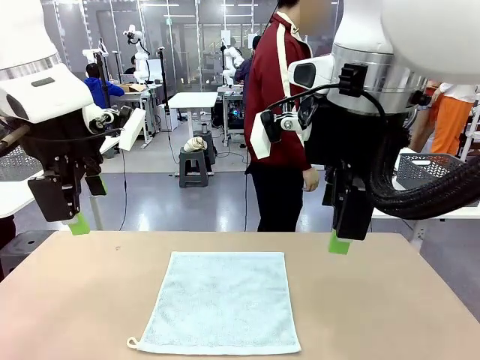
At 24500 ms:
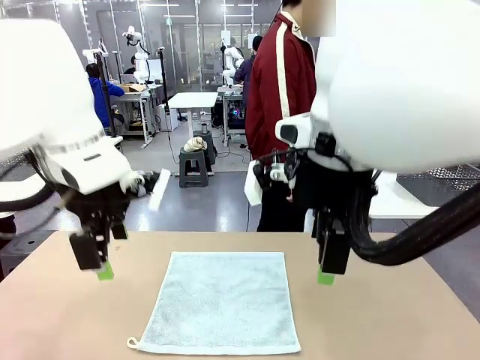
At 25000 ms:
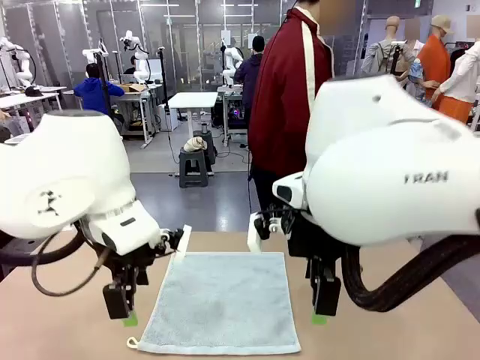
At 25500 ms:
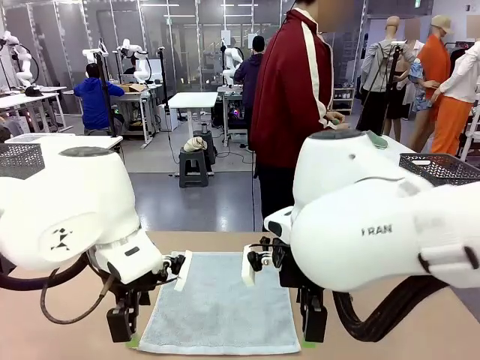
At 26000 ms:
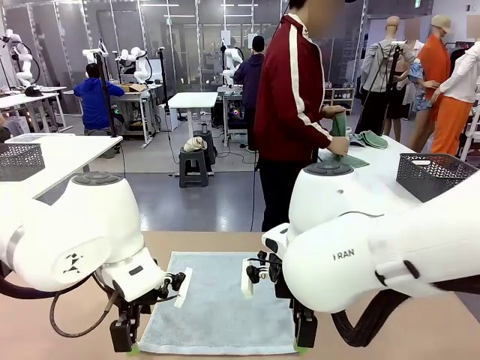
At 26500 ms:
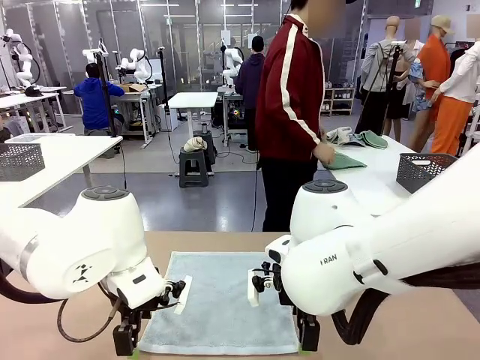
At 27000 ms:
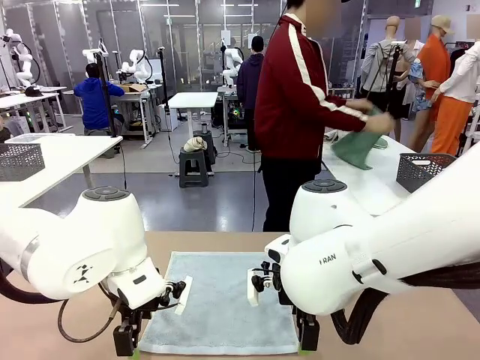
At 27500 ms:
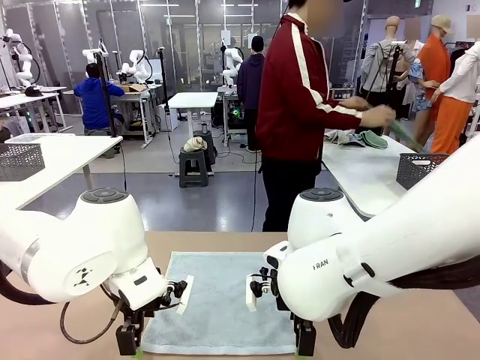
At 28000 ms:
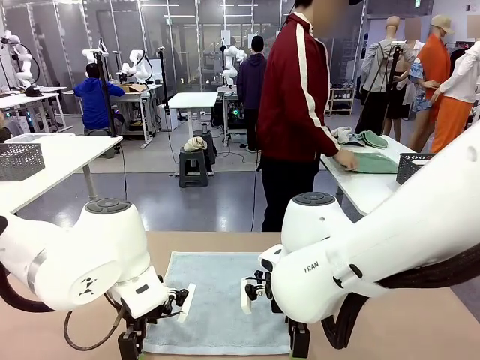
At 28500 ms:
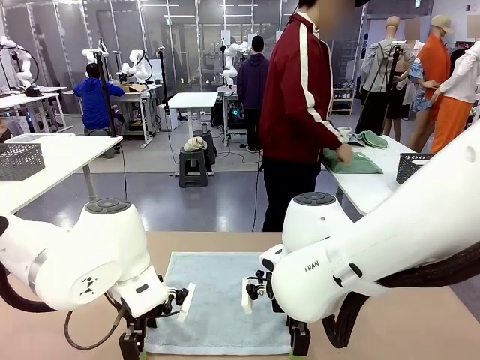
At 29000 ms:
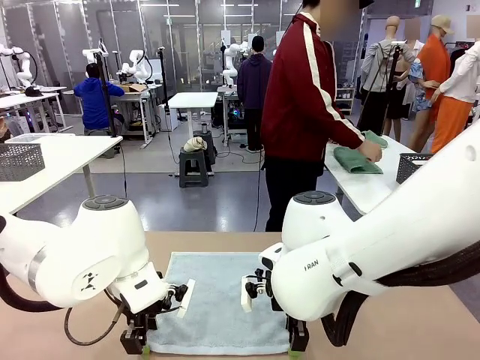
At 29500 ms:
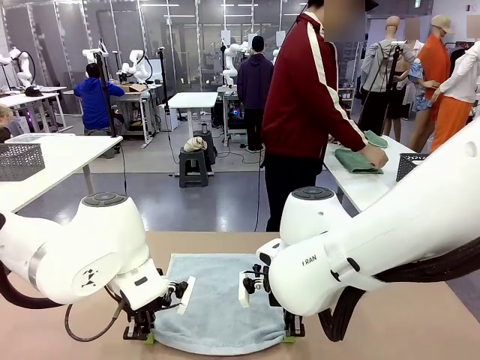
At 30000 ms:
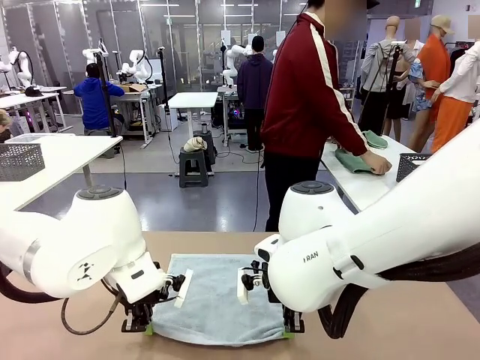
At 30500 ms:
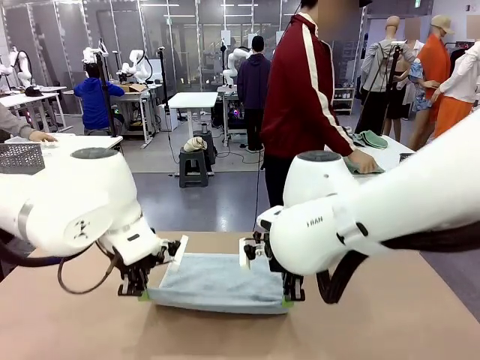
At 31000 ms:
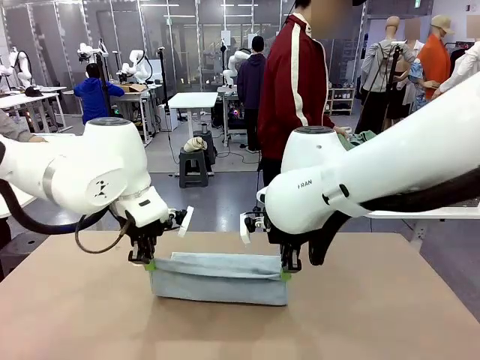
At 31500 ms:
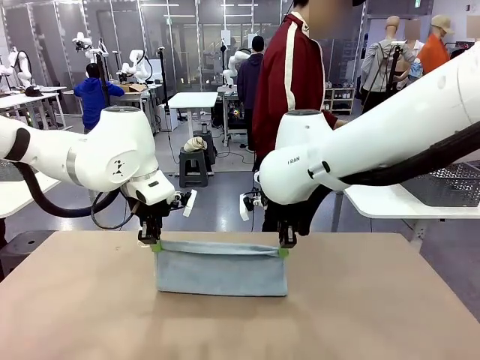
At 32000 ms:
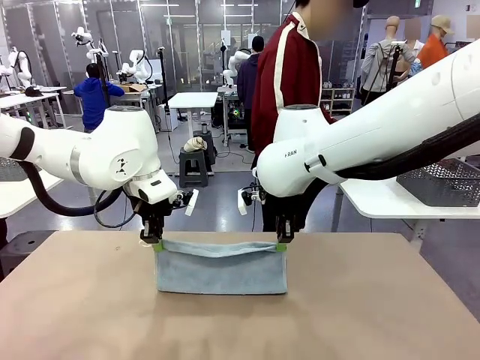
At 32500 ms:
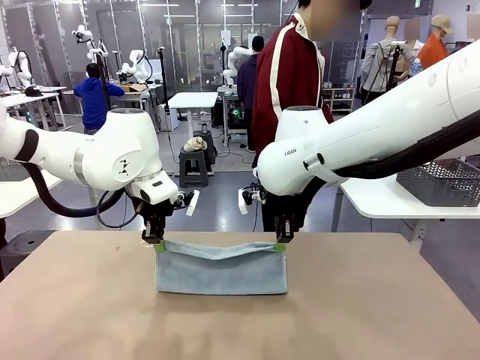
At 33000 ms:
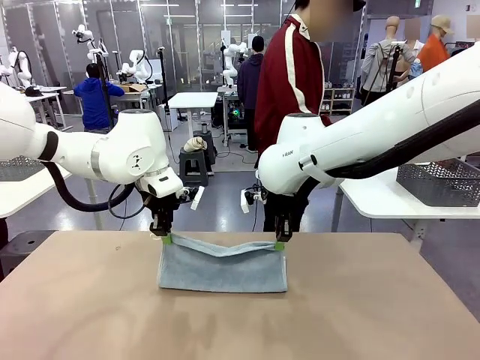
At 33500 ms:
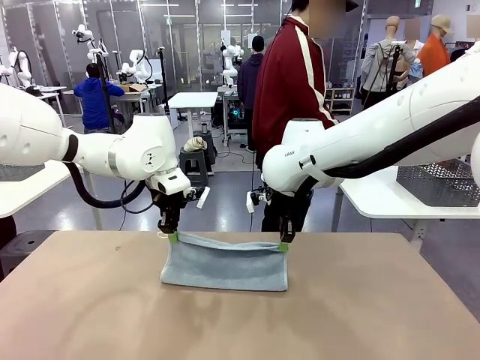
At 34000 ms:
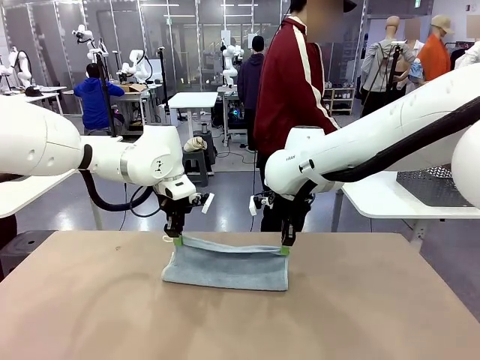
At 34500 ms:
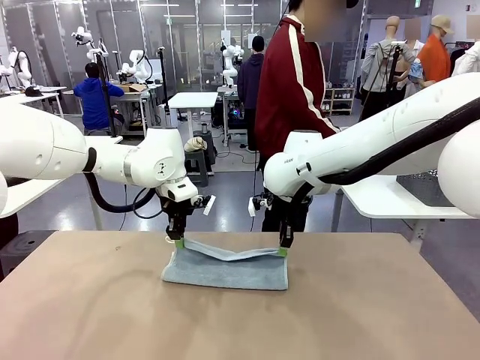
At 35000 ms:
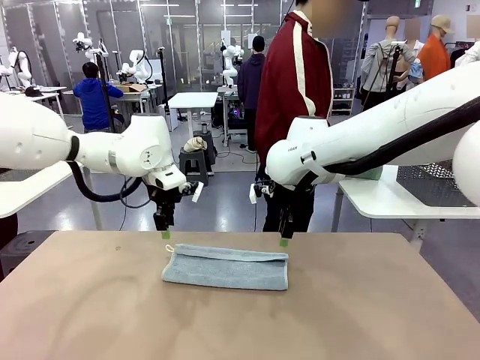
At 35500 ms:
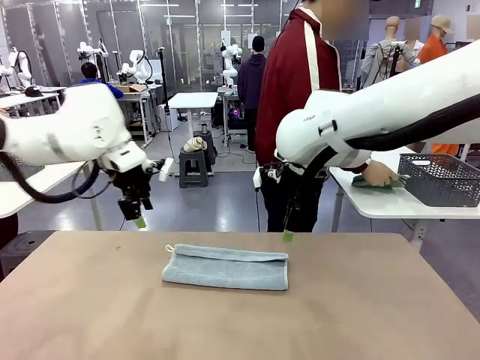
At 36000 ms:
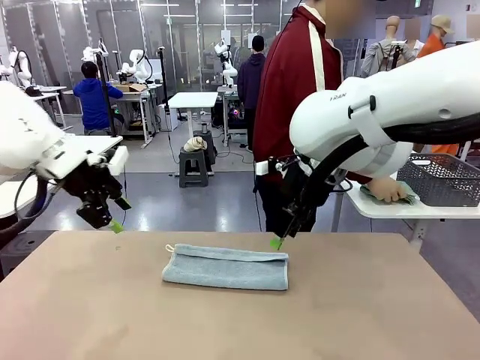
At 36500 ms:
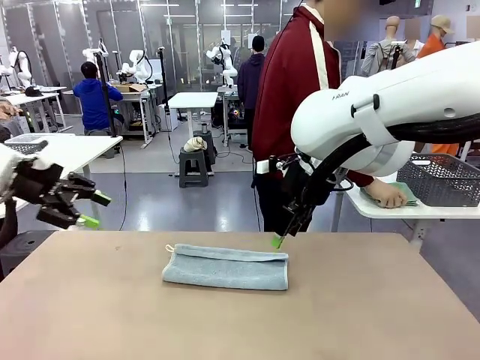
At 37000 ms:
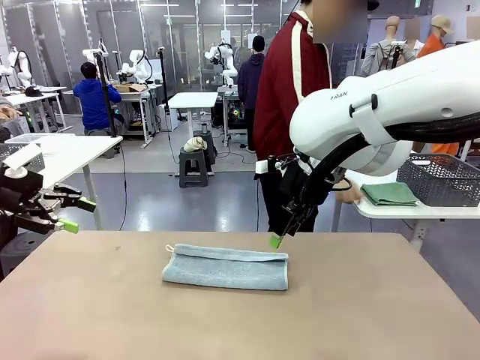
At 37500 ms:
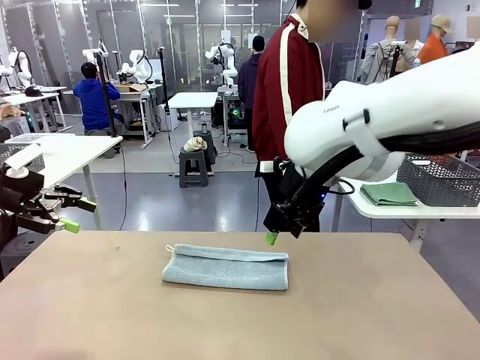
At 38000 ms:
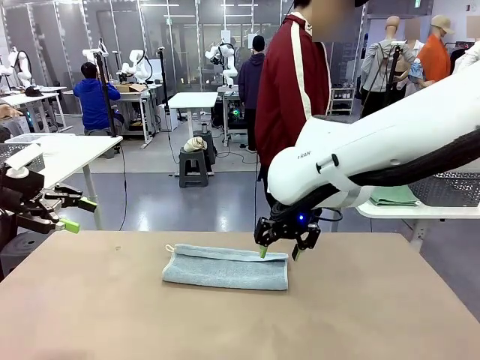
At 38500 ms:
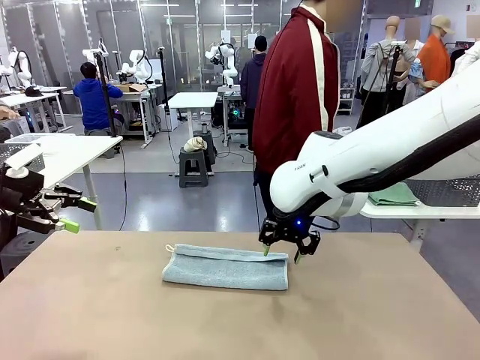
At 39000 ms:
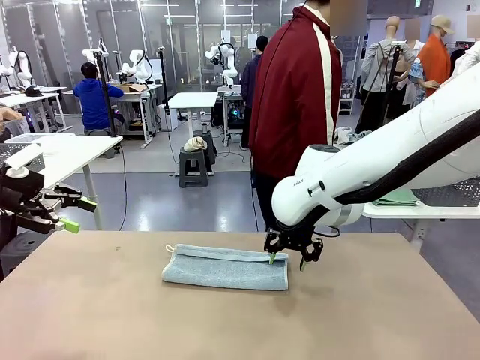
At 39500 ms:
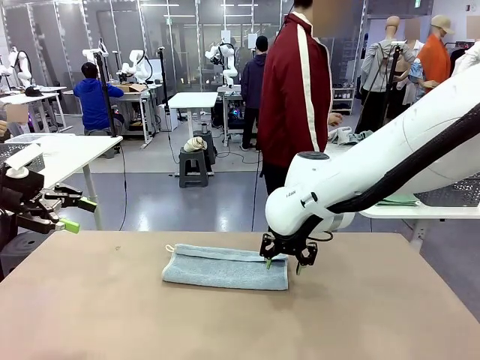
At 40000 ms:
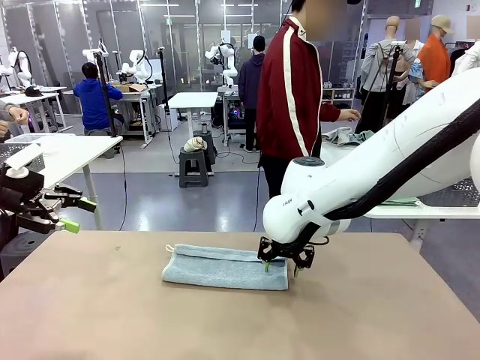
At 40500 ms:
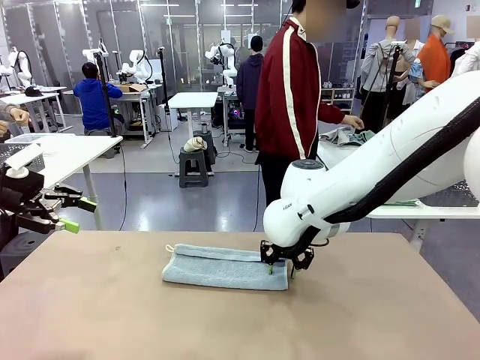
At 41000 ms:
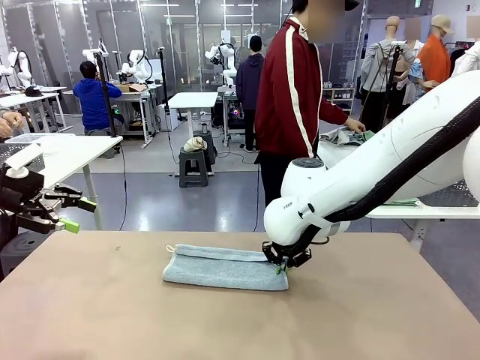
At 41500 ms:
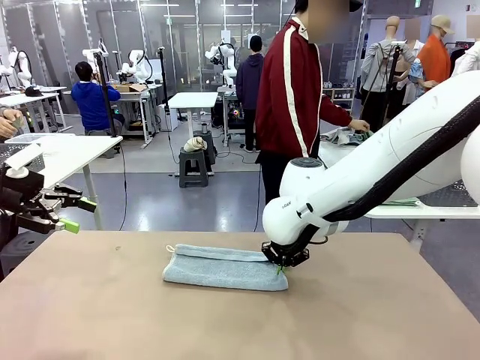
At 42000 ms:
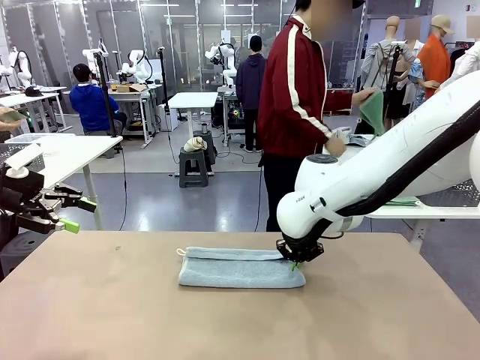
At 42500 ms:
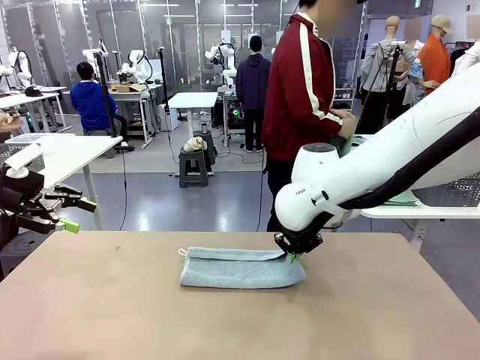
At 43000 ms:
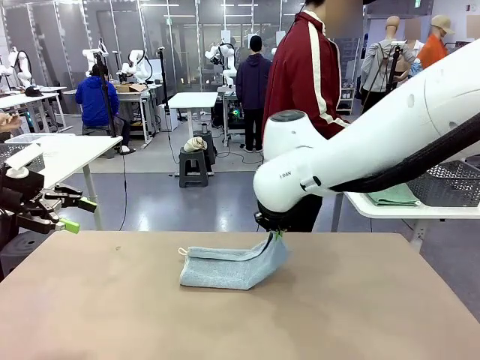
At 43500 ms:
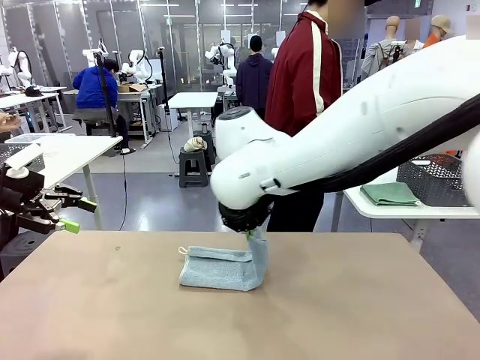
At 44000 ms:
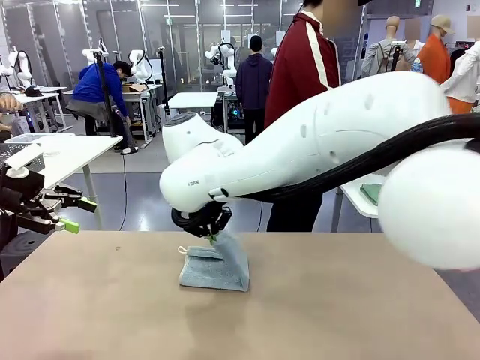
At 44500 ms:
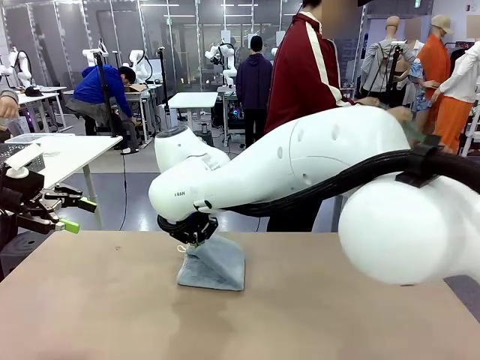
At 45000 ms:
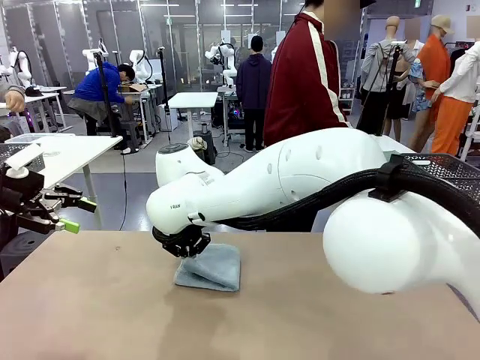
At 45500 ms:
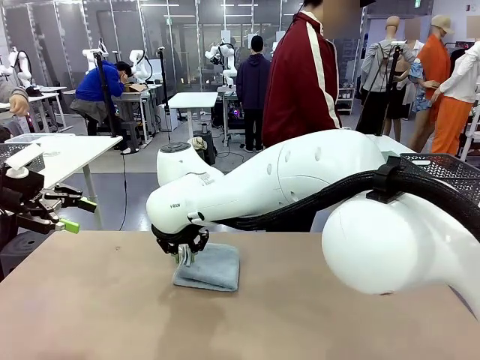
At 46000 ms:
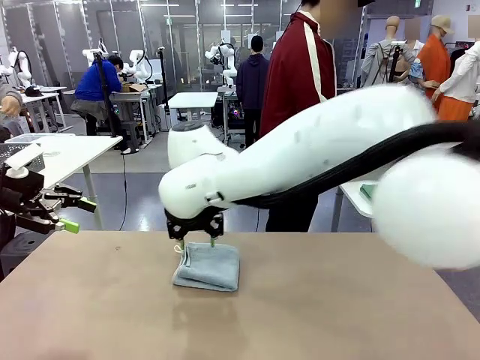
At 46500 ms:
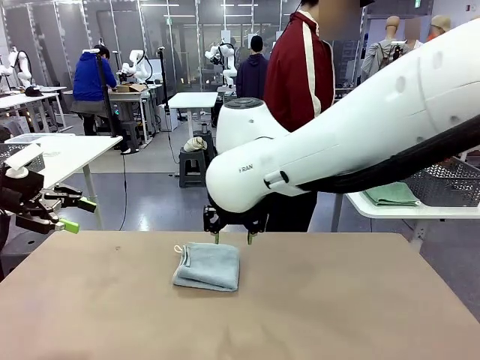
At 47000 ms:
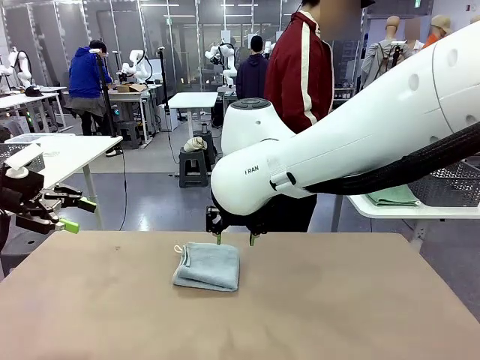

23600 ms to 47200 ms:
Task: Fold the towels and place them in the basket.
Robot: When a person lays out a Towel with hook on the table, fold it in half twice.
Person: Pick up one towel from the left side of the human table, fold it in half twice, and place it on the right side of the table. Pick up one towel from the left side of the human table, fold it in half twice, and stack it on the right side of the table.

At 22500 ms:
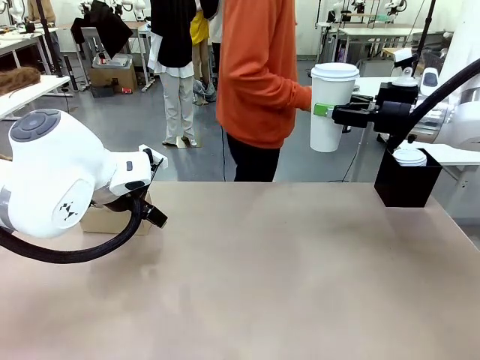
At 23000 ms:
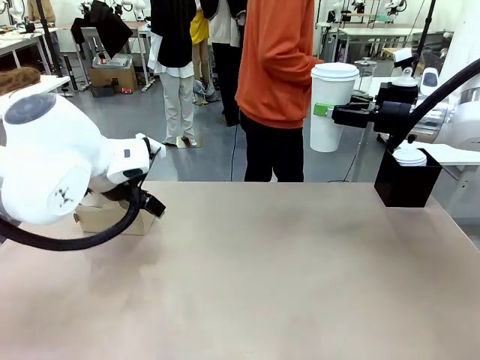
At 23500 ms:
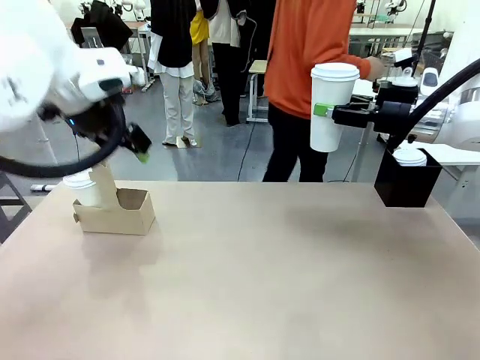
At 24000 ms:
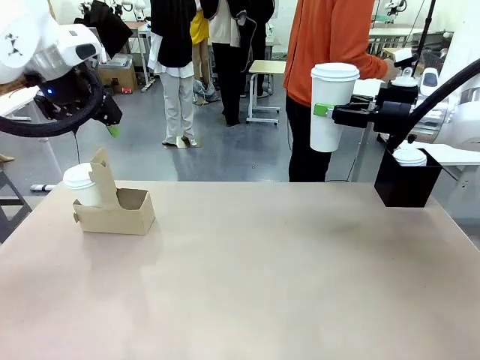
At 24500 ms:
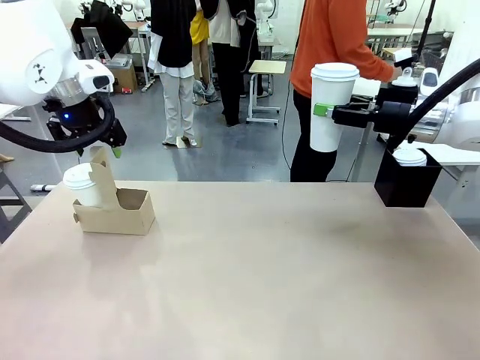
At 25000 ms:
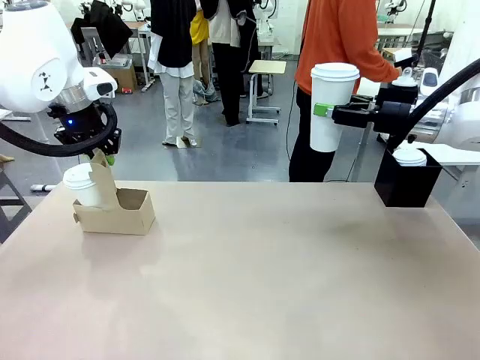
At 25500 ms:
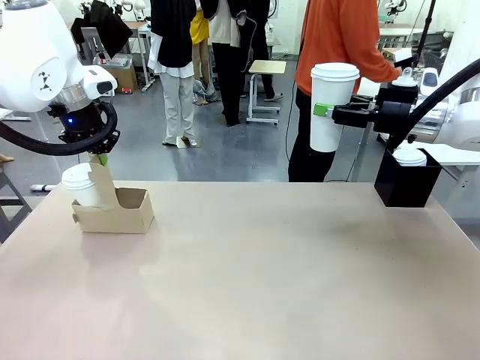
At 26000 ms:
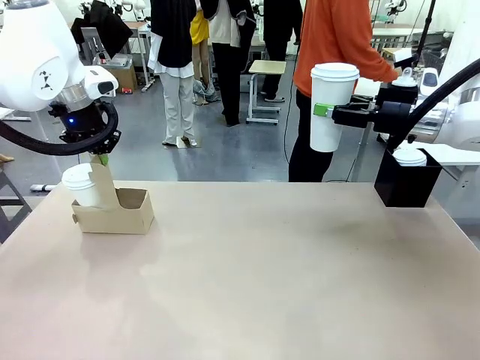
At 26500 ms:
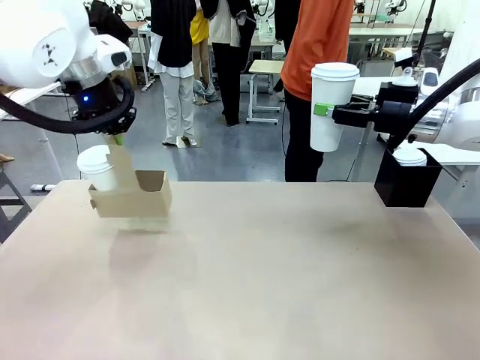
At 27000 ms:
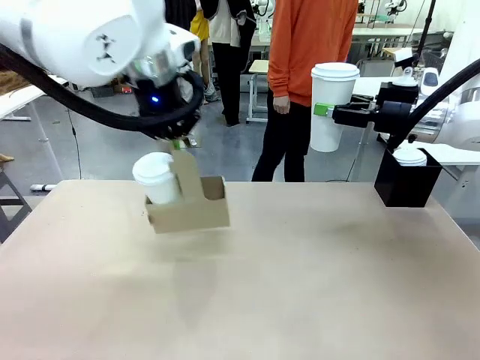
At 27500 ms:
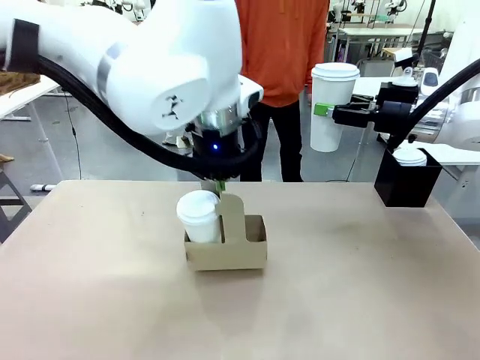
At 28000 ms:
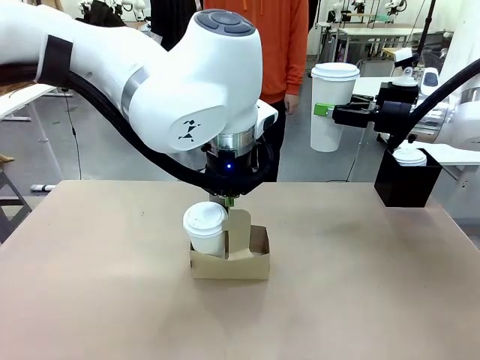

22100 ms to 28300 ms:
Task: Pour a drink into a cup and package it in a carrier.
Robot: Position the Cup Carrier in the center of the table.
Person: Pick up the Filter Brewing and place on the middle of Human table, and return to the Robot table.
